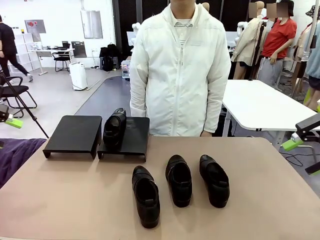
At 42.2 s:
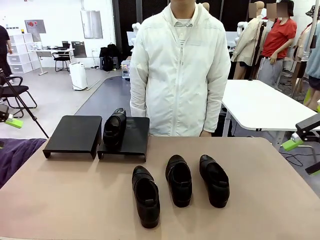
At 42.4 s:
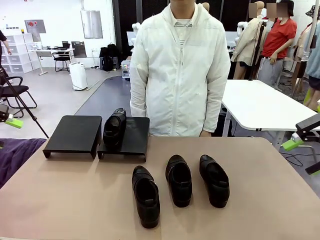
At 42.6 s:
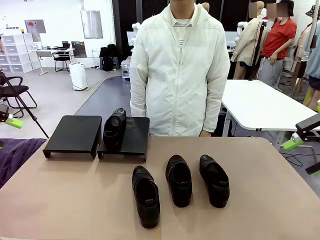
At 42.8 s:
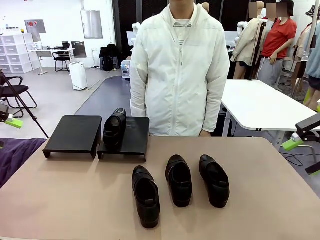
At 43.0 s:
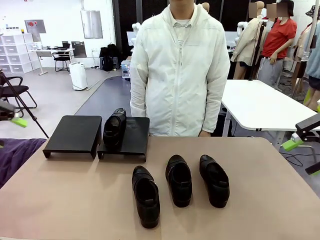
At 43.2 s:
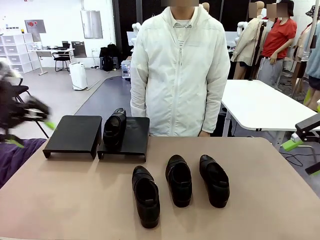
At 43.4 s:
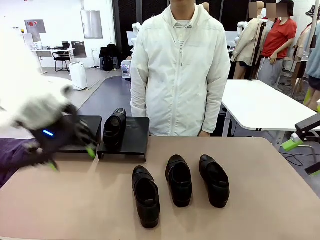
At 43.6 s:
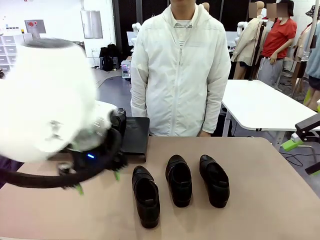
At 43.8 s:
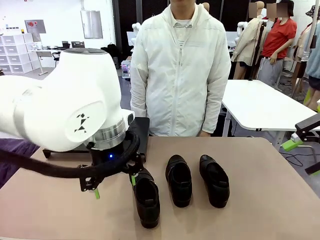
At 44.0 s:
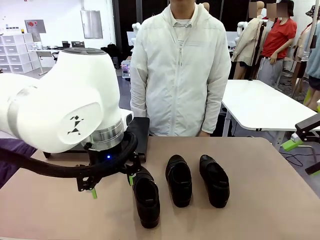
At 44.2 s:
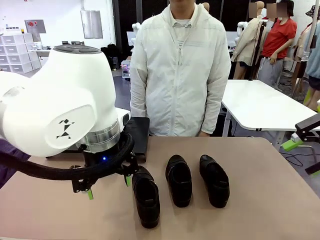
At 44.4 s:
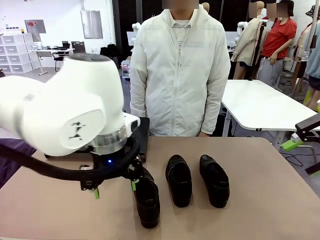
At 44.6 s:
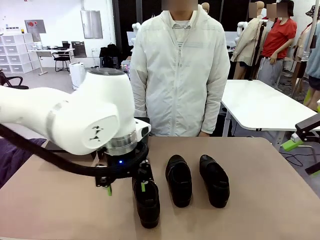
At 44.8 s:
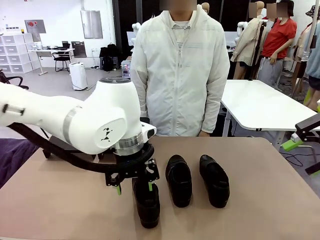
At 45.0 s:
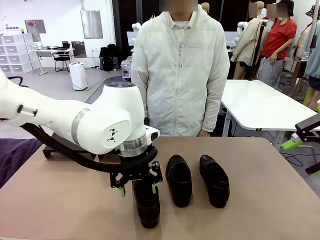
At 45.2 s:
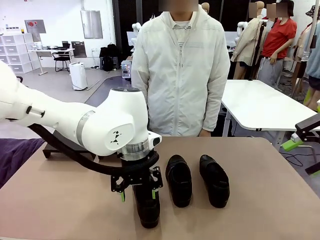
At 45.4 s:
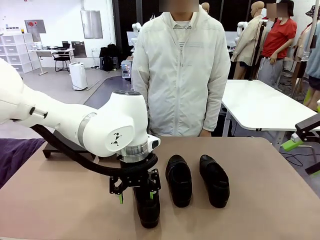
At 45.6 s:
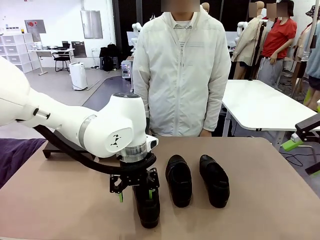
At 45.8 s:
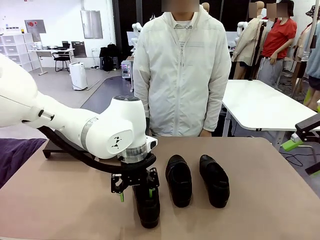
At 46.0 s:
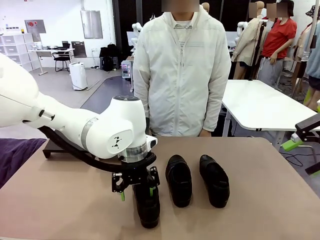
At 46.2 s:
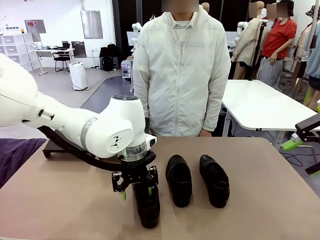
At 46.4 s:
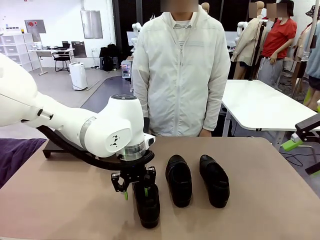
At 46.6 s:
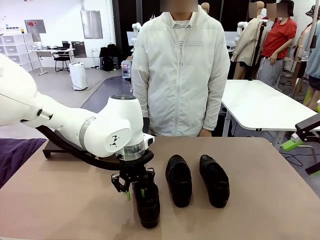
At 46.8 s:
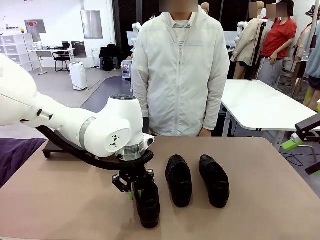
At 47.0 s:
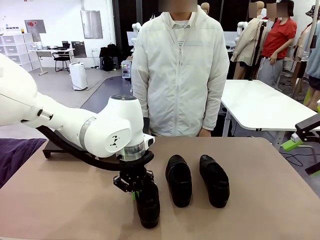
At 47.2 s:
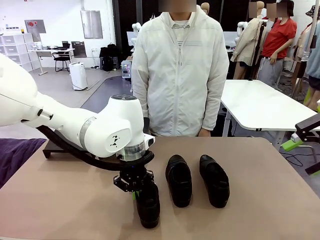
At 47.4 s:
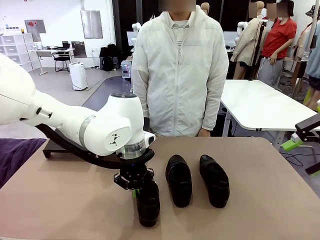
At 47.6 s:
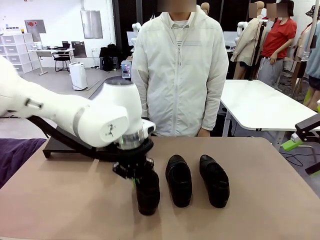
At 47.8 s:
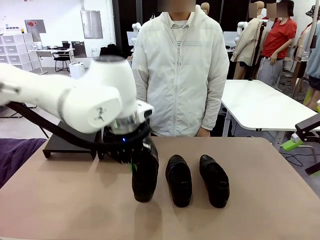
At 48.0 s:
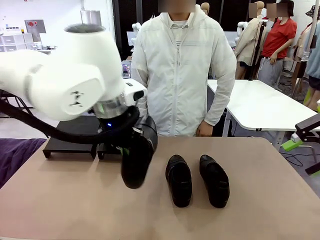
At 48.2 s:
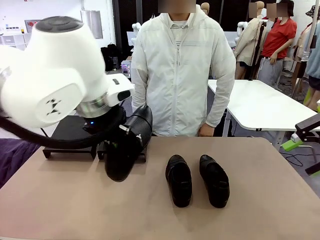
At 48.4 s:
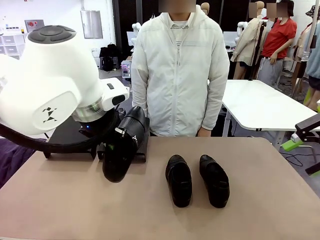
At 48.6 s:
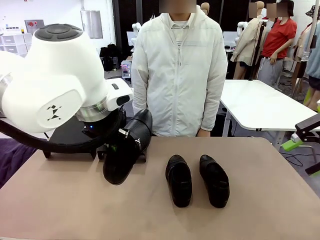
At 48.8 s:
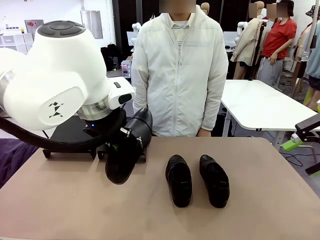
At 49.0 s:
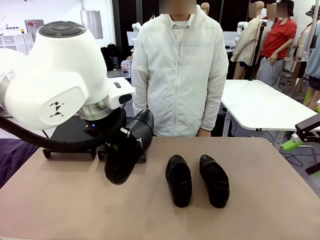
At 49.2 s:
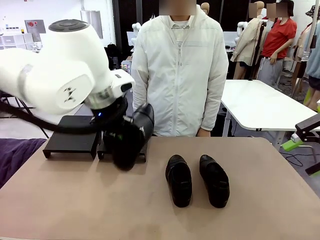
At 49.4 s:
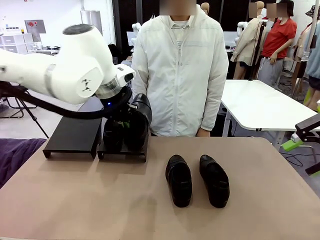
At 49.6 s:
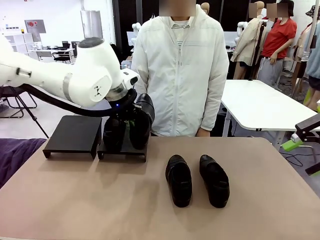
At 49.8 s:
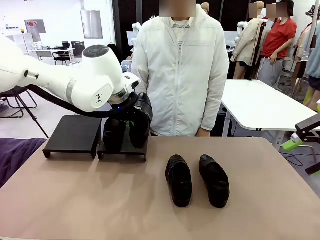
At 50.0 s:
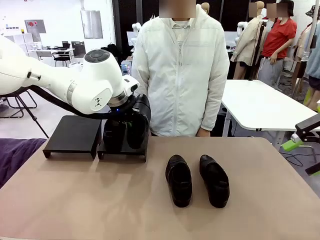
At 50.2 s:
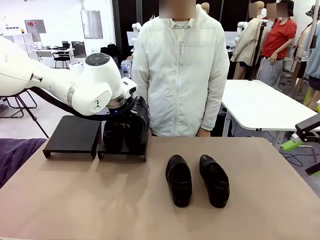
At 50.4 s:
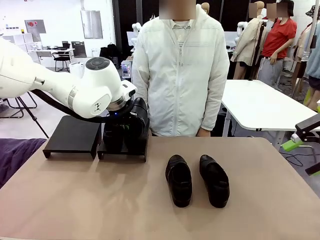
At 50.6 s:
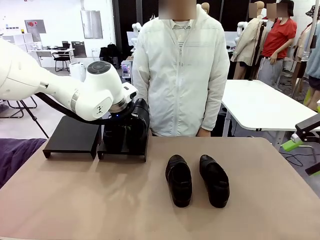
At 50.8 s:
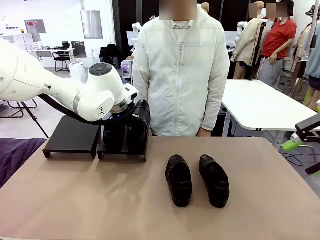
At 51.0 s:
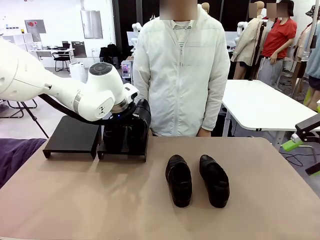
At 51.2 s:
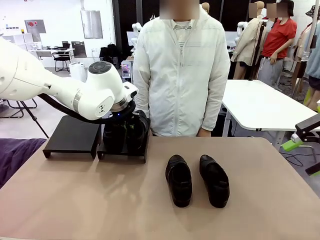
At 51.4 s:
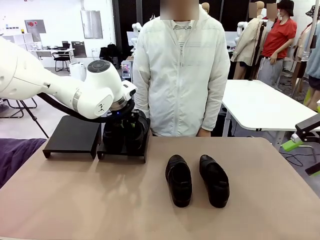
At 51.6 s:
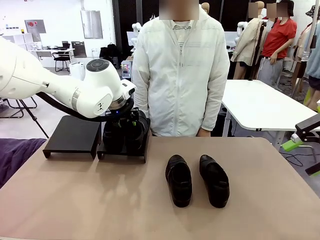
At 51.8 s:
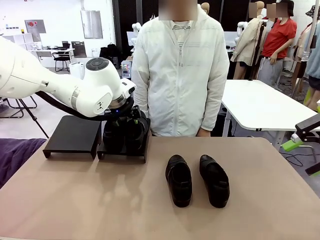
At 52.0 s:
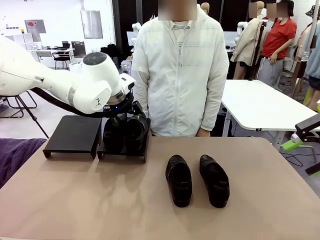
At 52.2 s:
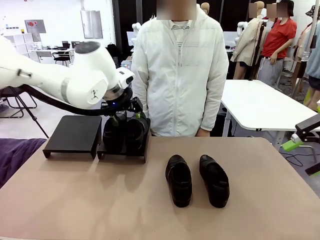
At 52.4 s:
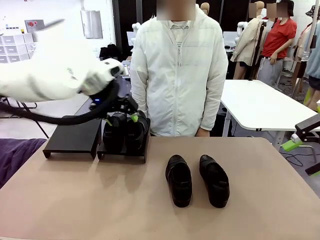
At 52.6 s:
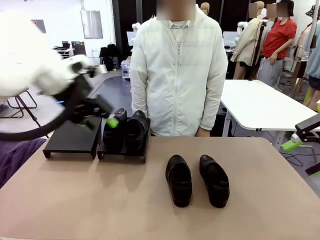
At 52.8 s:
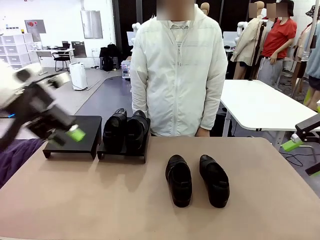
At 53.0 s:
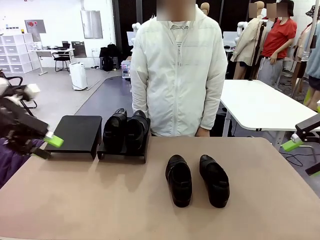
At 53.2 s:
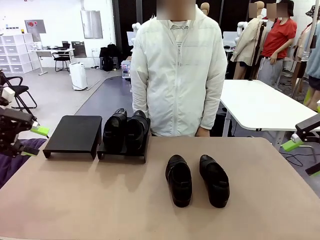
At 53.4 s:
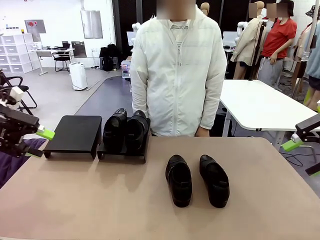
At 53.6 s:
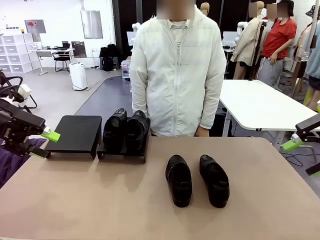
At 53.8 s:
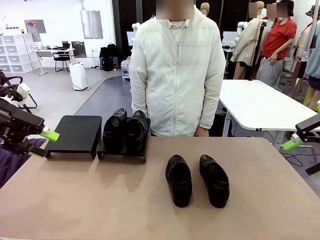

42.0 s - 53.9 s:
Task: Organize the shoes by placing them on the stand.
Robot: Place the Shoe from the middle of the table onto the Shoes Stand.

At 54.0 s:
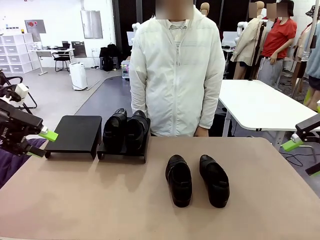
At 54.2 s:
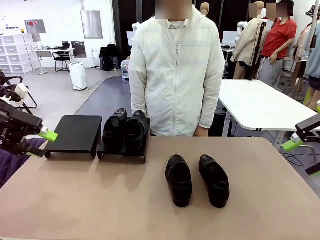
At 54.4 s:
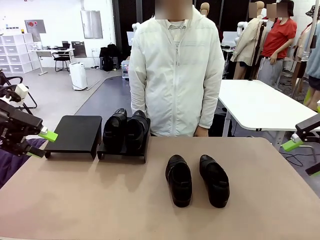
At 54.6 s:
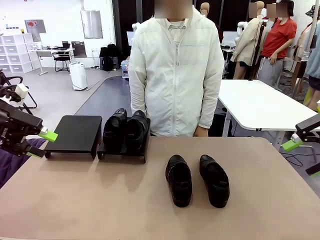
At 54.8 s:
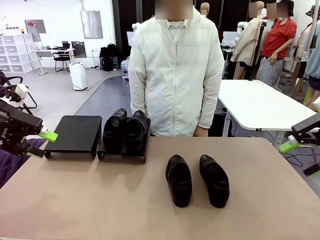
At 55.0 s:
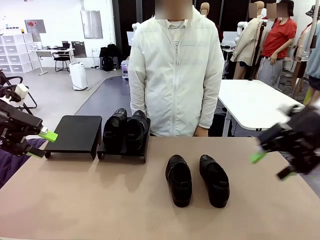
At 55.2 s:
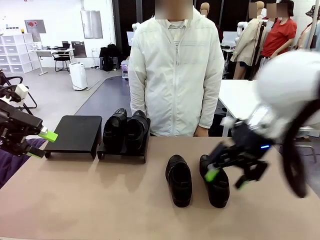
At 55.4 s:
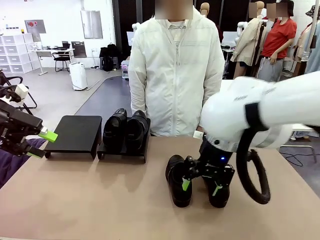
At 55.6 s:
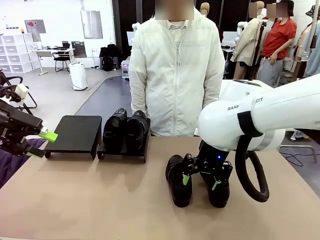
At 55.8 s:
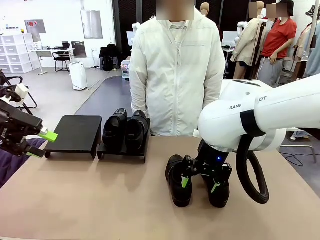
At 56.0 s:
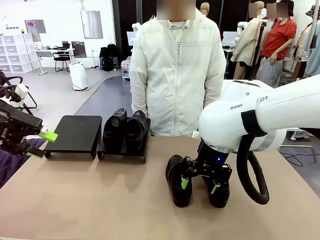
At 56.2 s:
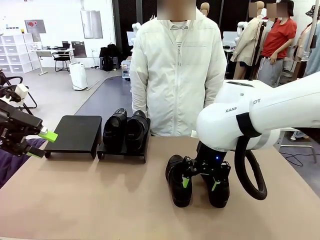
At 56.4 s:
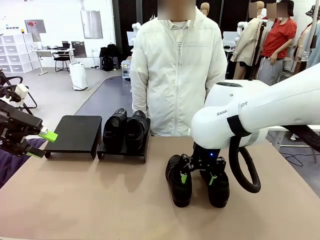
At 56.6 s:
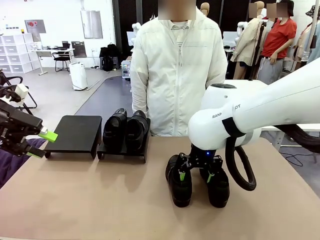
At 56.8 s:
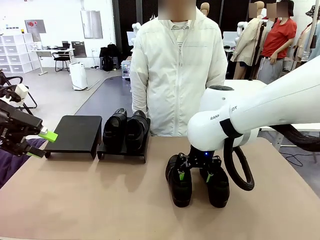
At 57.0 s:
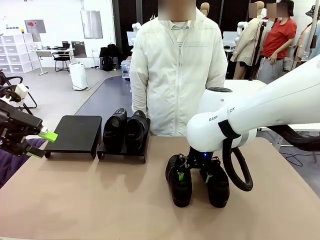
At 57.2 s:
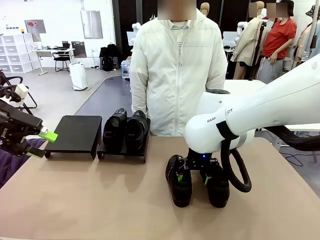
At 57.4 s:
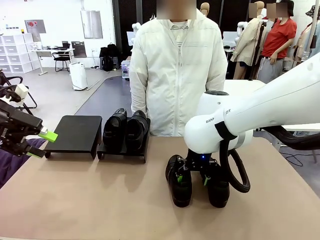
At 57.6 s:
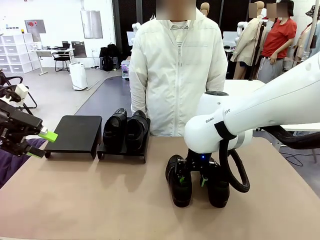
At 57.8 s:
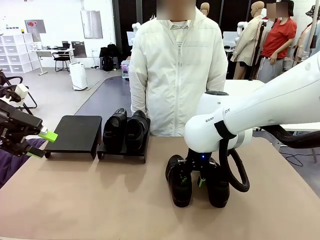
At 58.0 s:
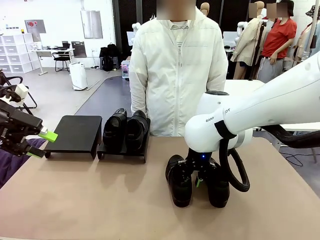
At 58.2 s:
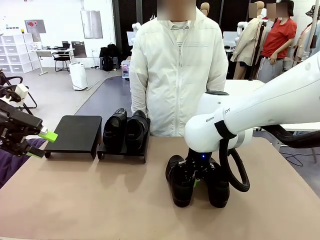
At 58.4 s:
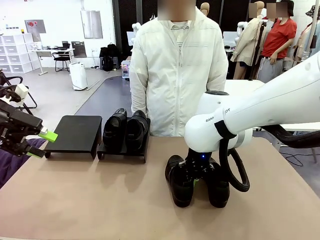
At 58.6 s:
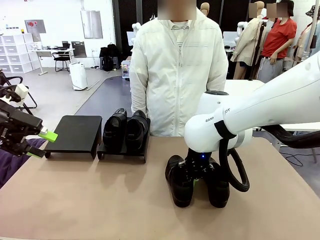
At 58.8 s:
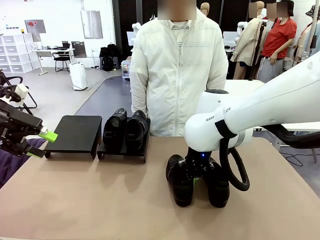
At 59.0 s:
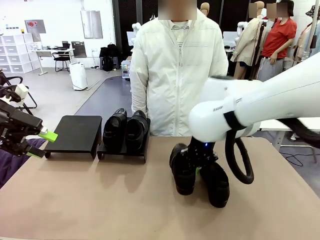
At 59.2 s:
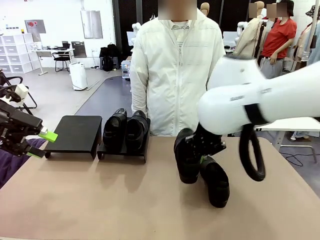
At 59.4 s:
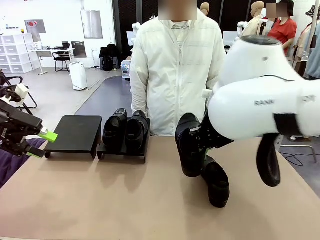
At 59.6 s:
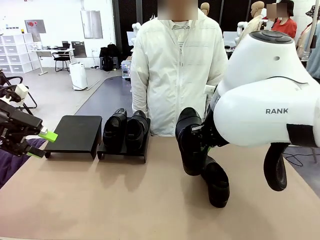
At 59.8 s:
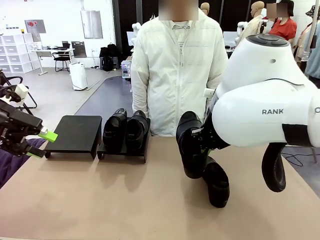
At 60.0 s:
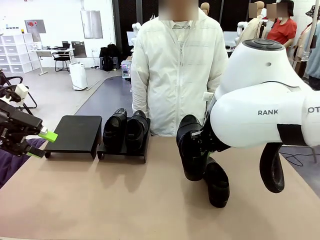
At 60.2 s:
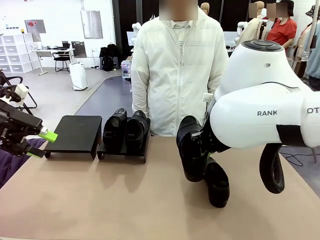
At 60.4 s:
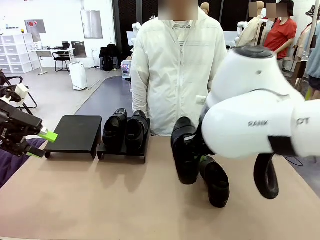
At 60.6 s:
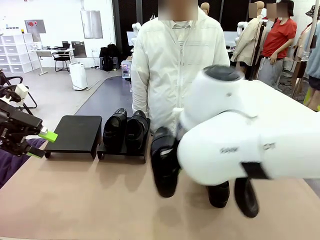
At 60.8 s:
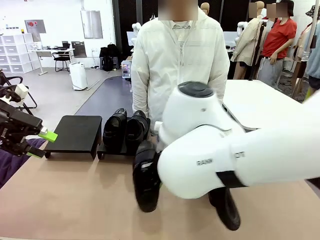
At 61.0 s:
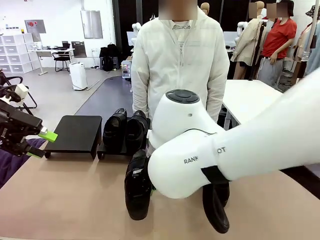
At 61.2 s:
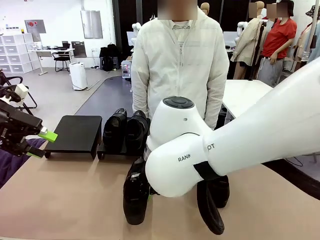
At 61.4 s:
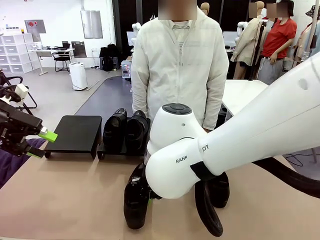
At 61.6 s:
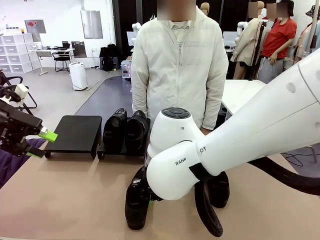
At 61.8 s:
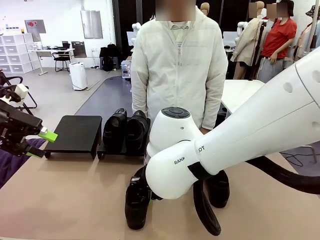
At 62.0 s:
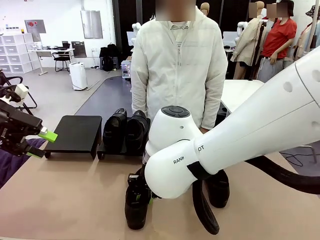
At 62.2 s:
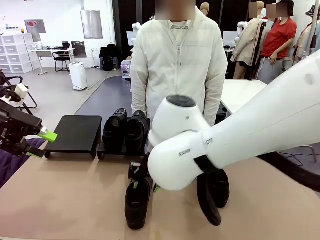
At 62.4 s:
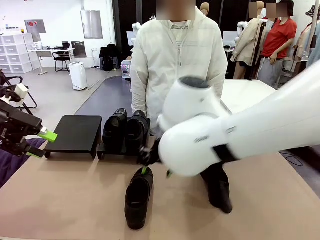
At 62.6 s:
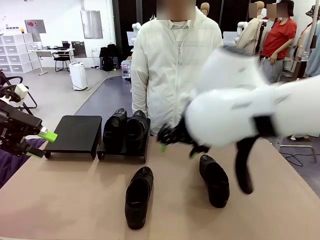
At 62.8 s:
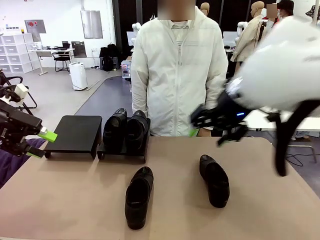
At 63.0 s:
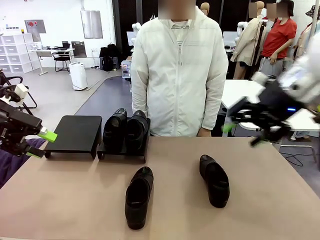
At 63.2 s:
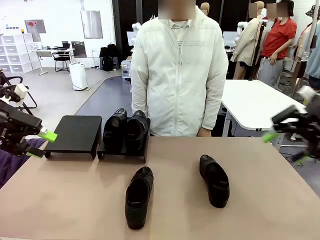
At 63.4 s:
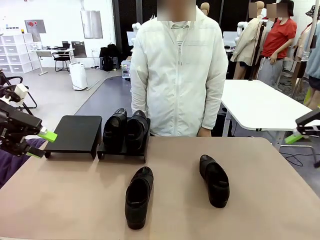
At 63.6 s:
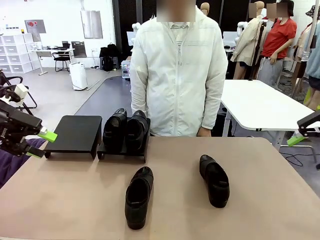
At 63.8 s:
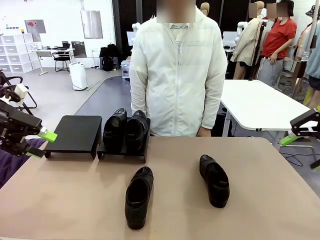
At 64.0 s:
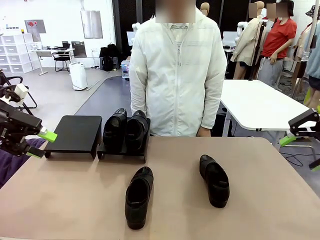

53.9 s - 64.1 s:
Robot: Pick up one Shoe and place it in the middle of the table.
